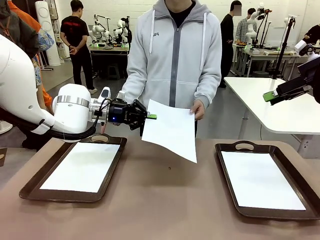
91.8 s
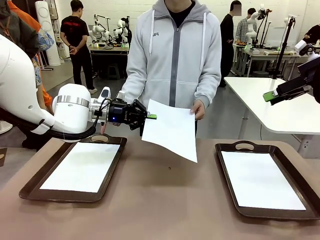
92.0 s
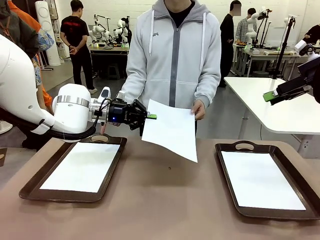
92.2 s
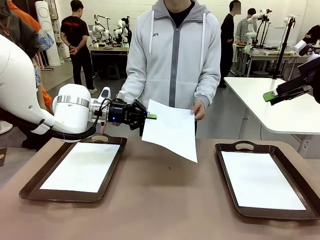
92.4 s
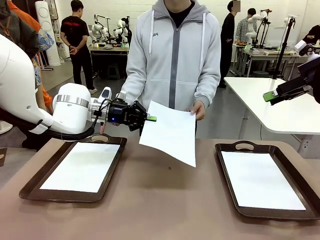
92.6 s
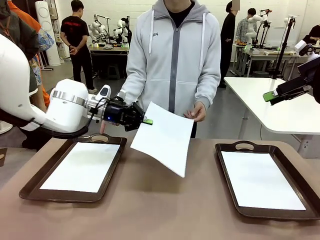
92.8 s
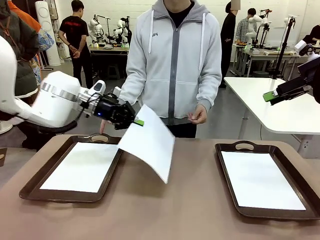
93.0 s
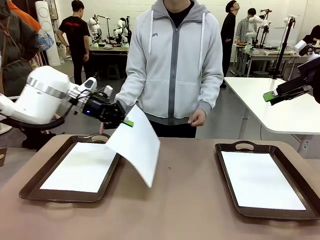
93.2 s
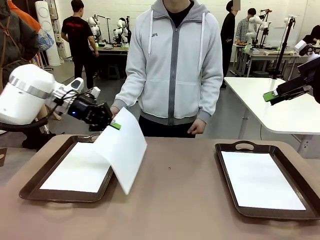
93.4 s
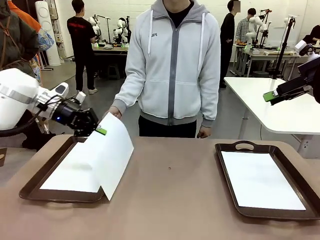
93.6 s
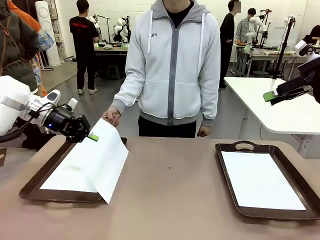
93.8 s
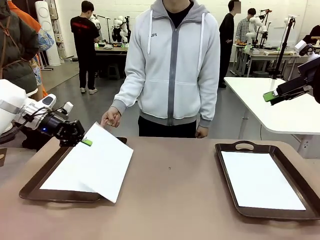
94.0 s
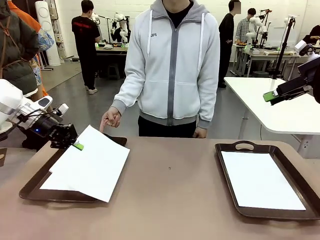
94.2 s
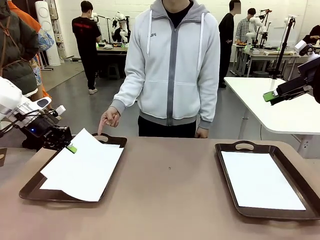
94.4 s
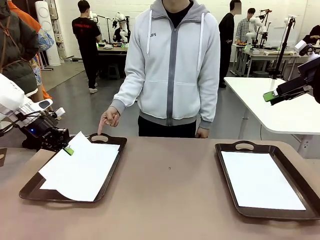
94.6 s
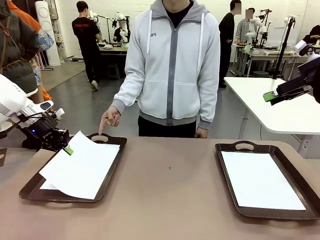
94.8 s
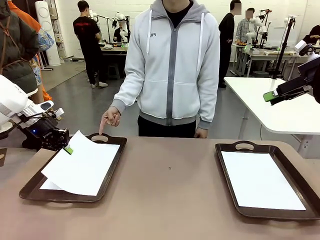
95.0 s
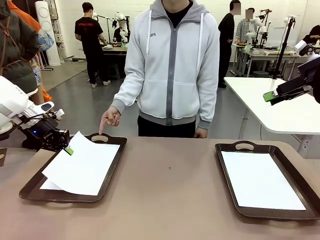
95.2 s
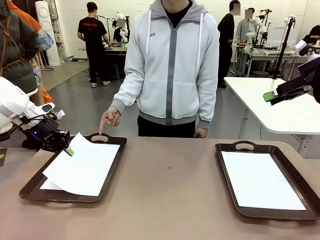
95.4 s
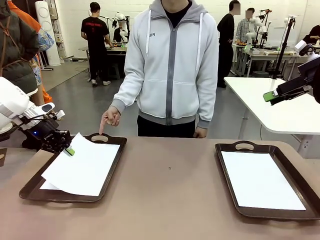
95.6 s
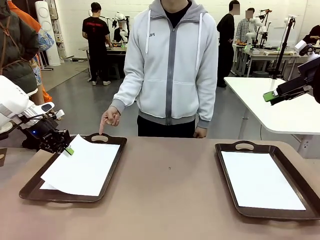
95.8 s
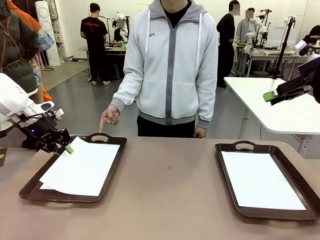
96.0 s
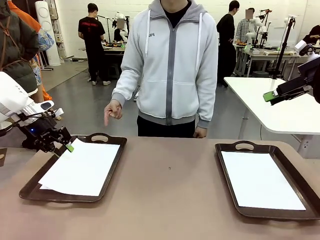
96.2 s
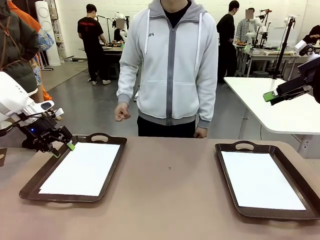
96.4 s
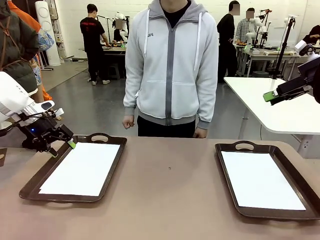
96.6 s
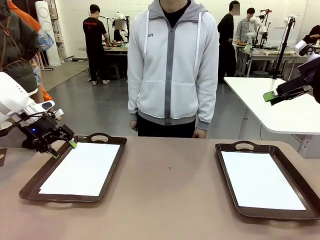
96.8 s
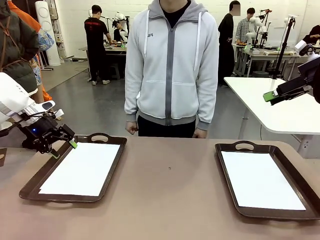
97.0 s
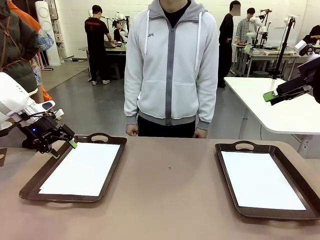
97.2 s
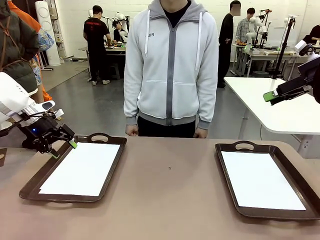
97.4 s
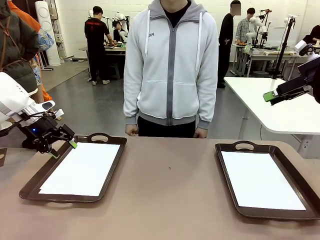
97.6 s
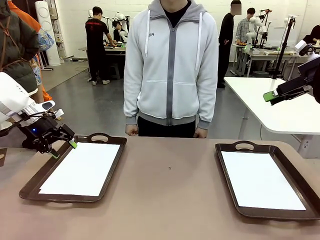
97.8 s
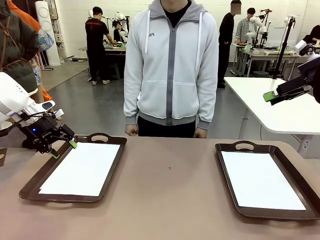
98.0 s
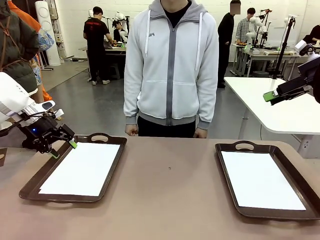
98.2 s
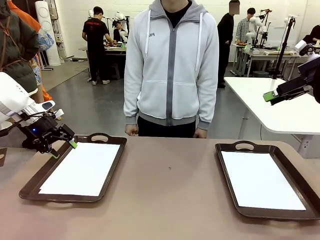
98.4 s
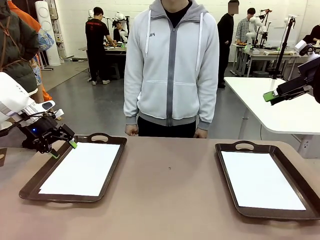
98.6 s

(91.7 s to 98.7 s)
Task: Sort the A4 documents.
Robot: Place the A4 Paper in the designated Handle tray.

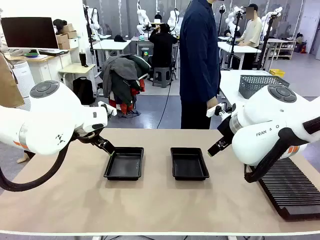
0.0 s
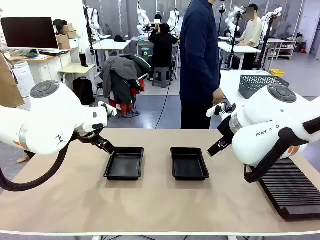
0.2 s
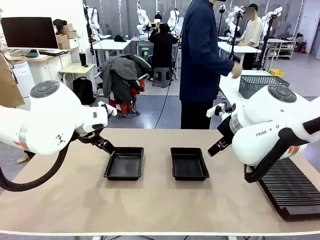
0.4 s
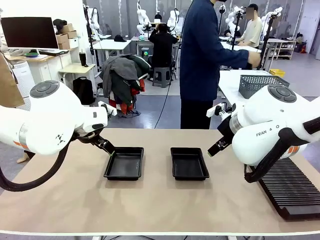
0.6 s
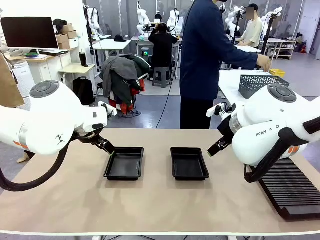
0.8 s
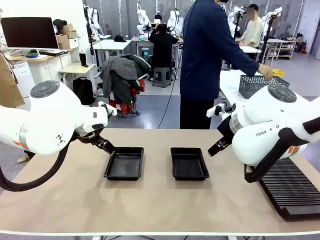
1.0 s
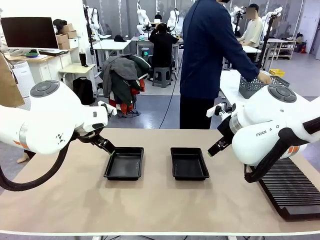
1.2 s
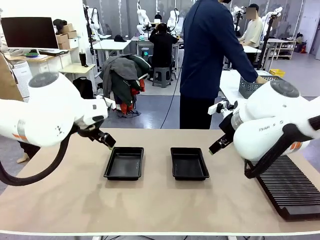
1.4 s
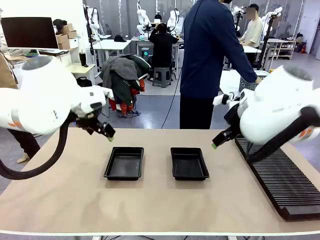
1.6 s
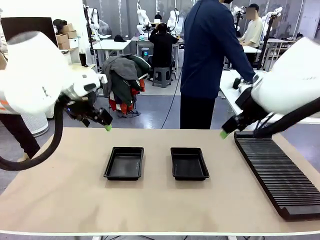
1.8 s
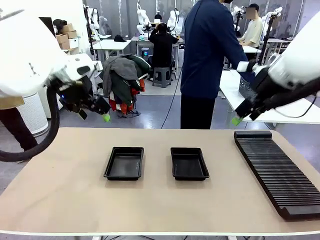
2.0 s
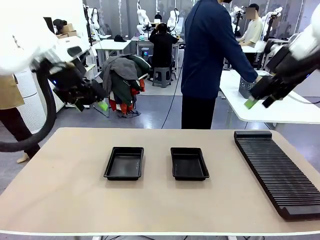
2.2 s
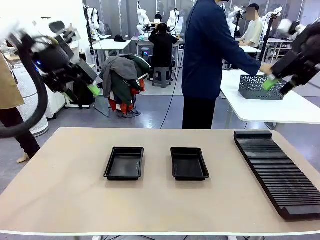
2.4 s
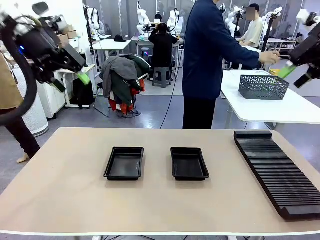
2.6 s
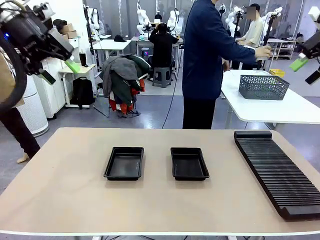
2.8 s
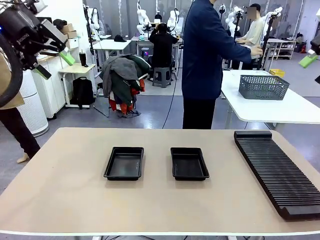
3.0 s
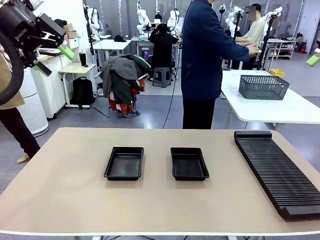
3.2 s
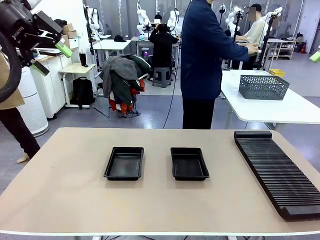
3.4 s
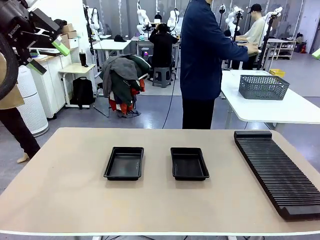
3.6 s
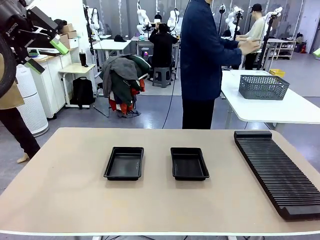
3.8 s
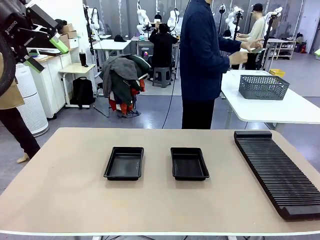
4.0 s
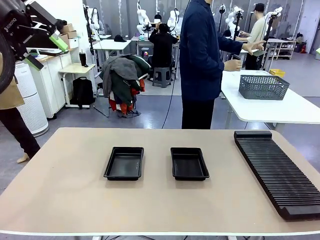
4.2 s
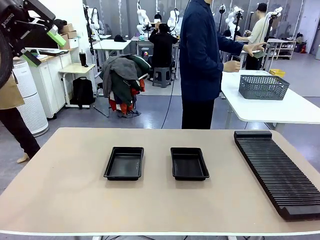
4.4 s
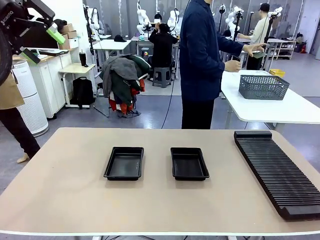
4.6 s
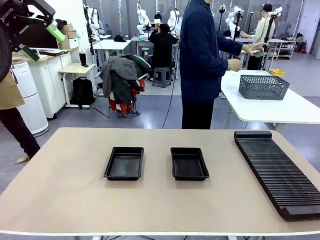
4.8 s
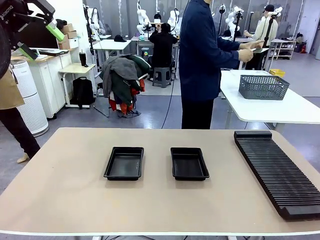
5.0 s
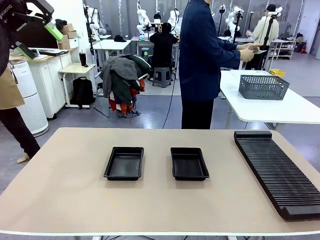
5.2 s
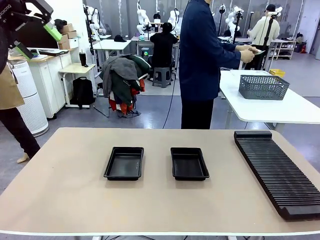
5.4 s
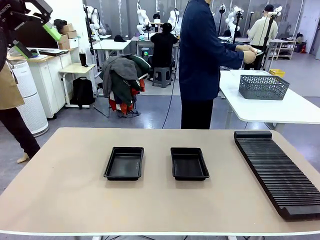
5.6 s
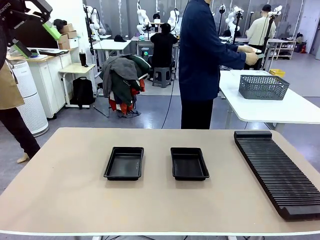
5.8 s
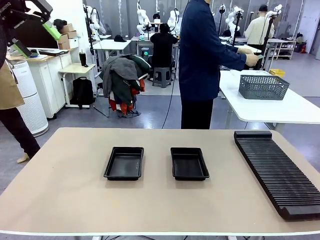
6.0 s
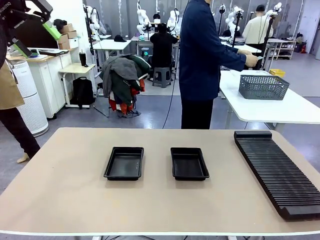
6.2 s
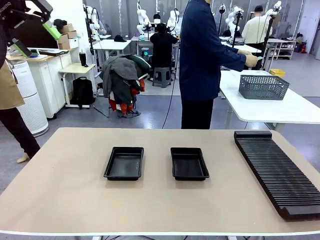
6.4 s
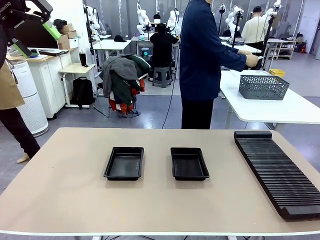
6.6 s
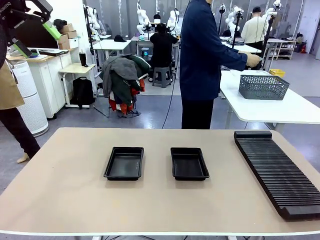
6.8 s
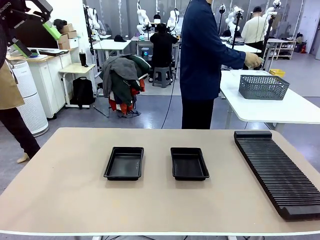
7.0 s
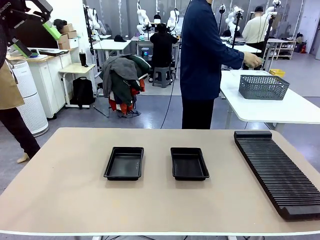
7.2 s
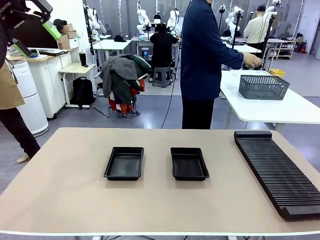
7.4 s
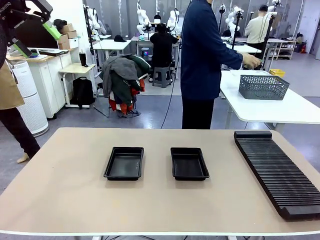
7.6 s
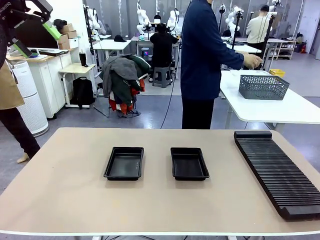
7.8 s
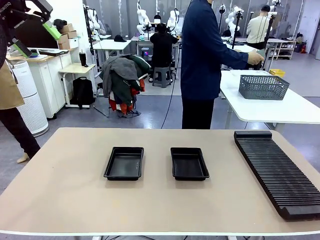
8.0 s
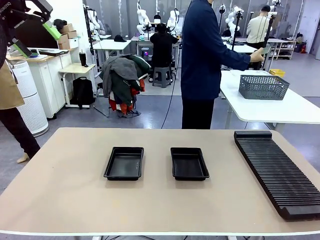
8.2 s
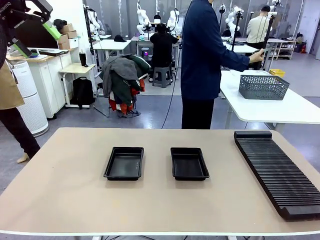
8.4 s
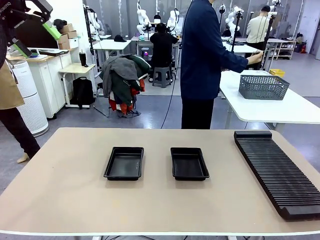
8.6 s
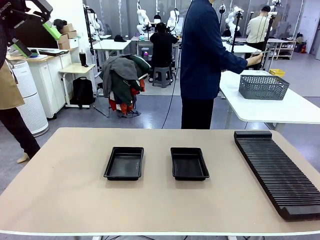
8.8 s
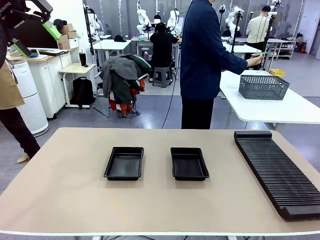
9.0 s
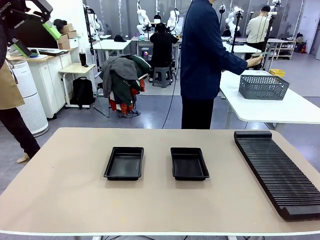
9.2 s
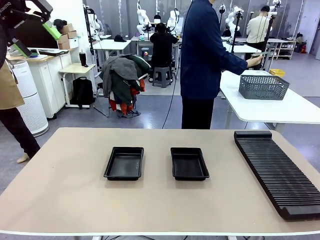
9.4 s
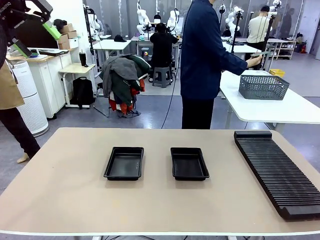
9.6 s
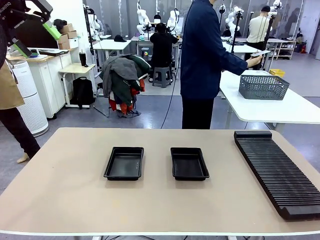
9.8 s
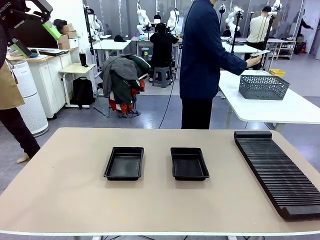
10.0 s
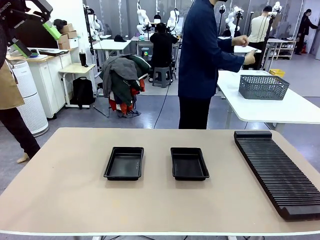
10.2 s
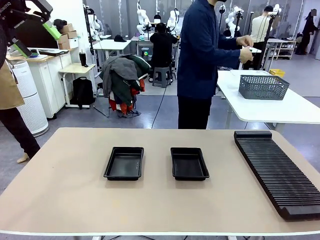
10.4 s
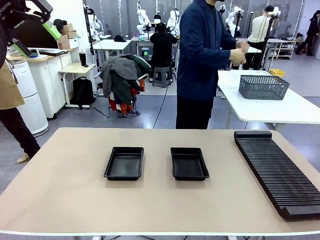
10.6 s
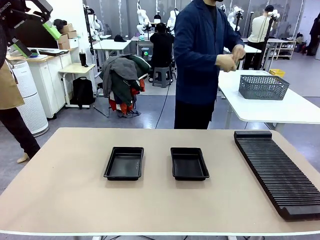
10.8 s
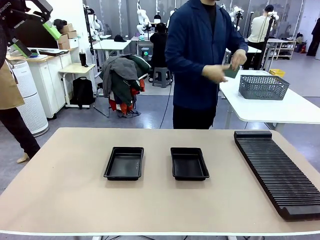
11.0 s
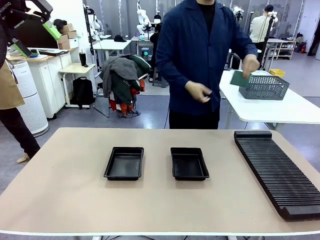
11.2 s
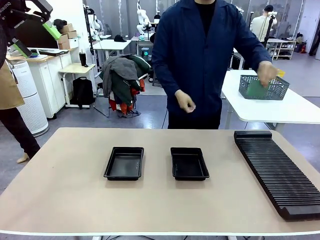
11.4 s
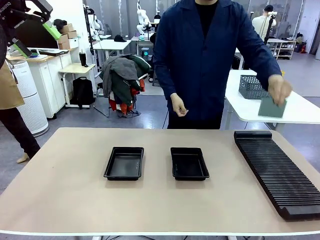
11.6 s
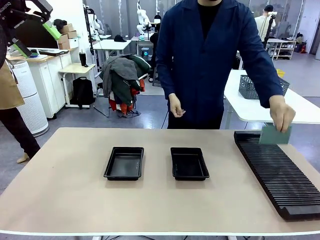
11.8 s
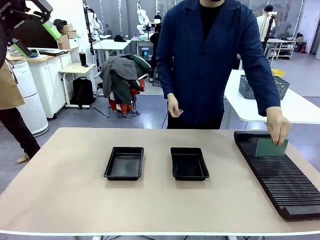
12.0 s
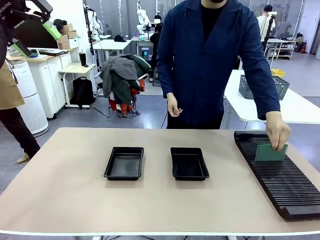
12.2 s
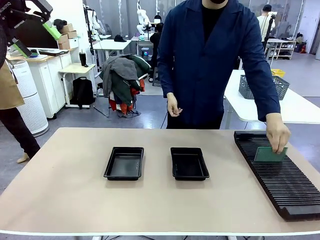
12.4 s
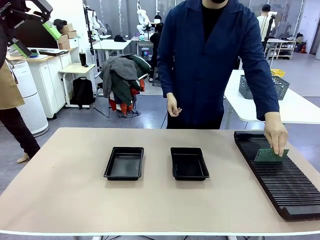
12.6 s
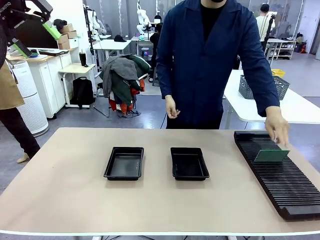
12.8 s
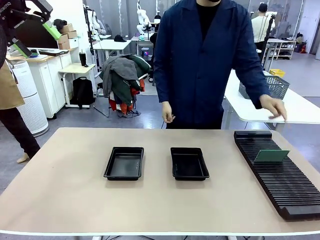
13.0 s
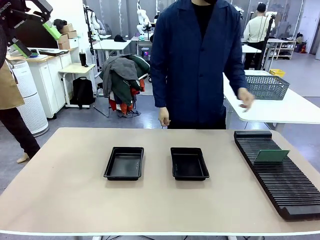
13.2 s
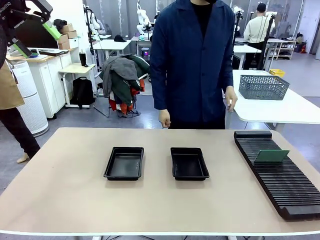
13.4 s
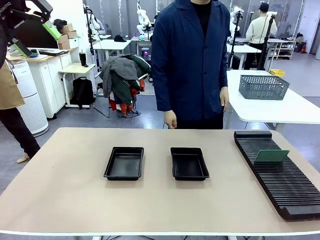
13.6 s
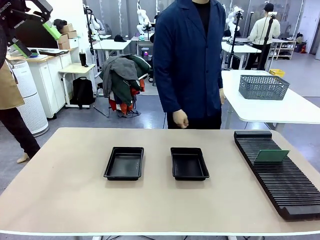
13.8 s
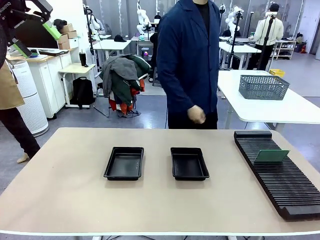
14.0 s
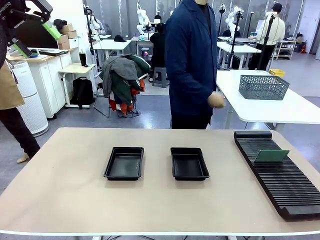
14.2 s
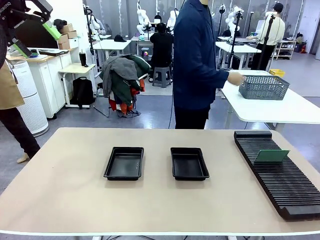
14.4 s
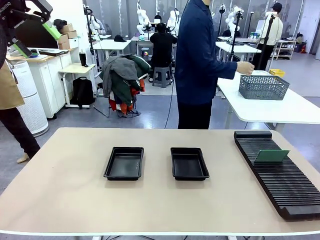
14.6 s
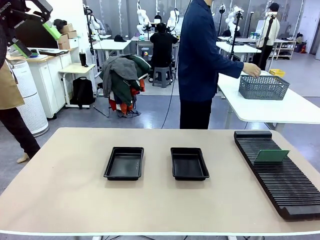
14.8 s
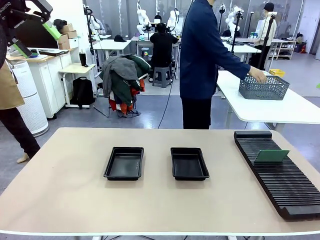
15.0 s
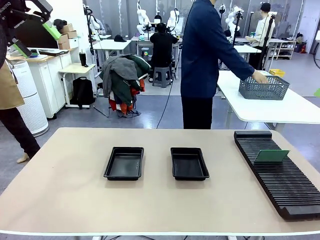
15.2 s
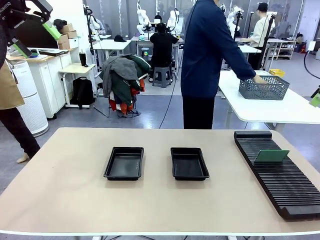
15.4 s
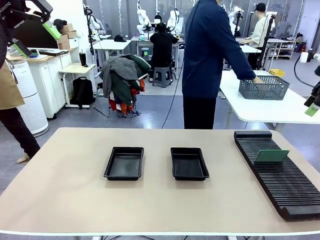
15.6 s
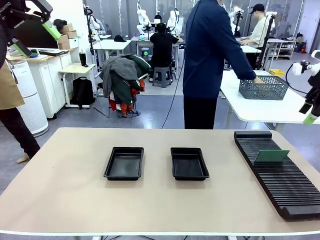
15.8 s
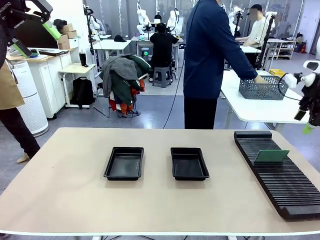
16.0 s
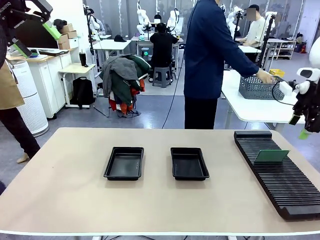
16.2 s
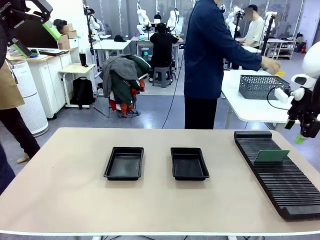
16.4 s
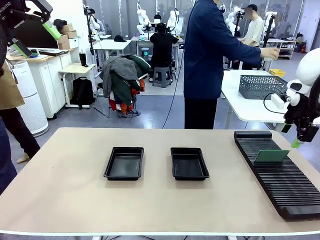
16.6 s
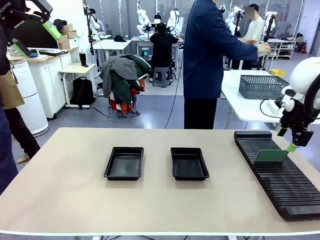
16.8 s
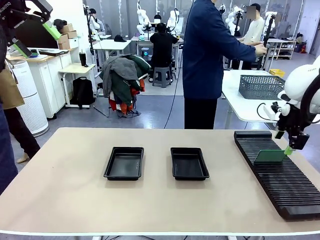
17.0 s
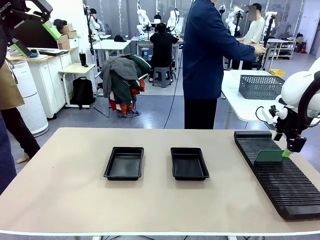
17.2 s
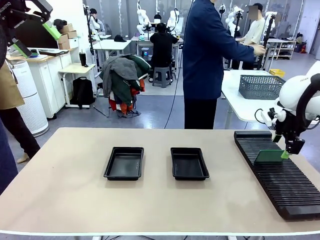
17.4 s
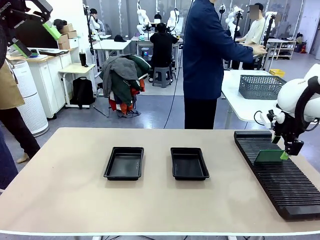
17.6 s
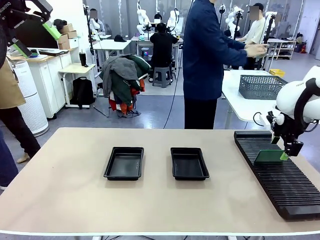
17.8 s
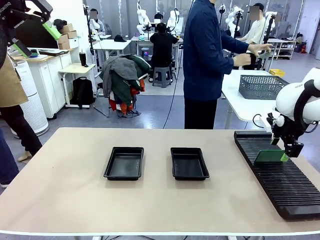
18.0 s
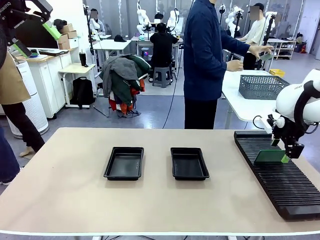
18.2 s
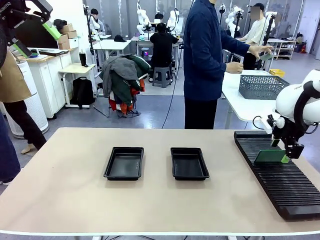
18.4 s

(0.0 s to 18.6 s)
Task: Inspect and transfer BCBs to ESD trays.
Robot: Pick up the Blank PCB from the PCB Rack and place it in the left ESD tray.
